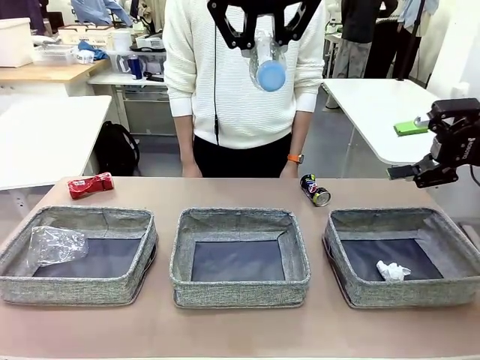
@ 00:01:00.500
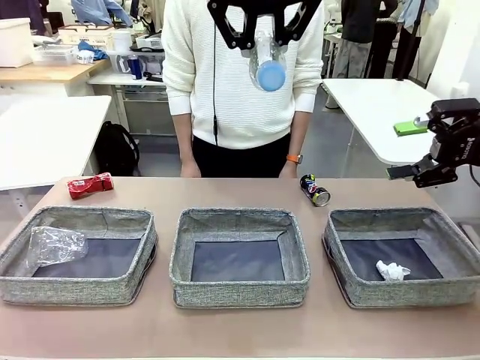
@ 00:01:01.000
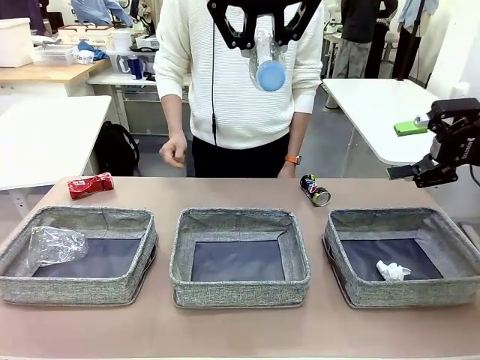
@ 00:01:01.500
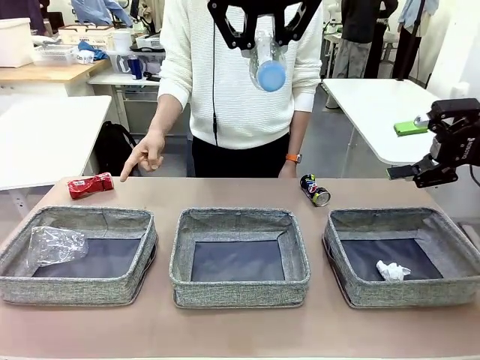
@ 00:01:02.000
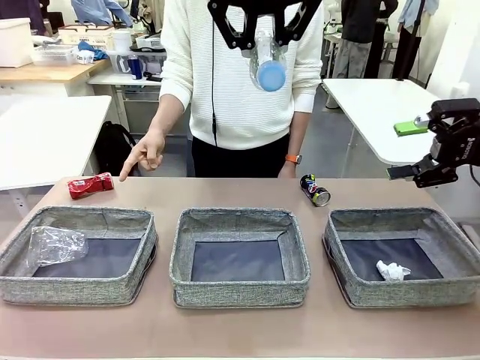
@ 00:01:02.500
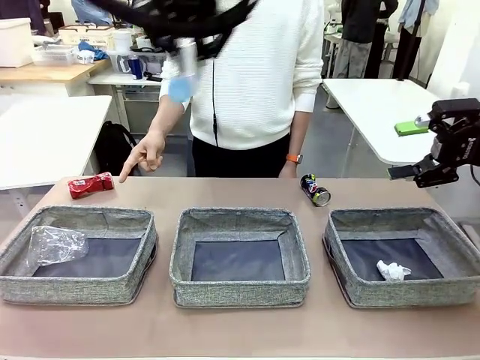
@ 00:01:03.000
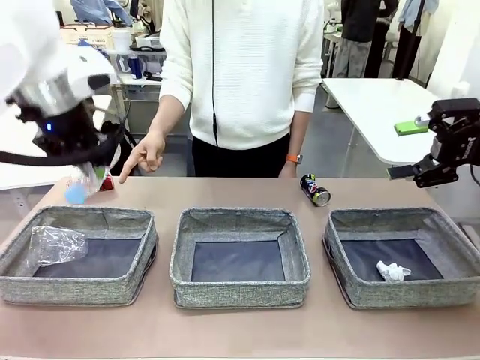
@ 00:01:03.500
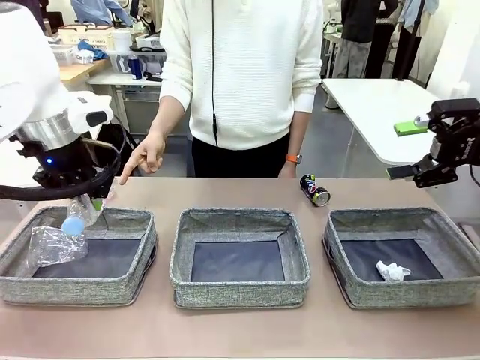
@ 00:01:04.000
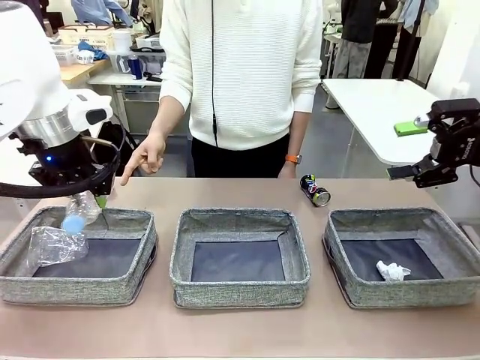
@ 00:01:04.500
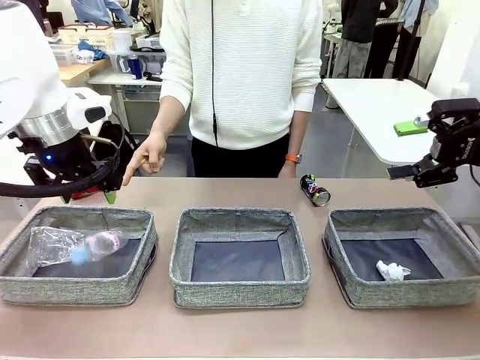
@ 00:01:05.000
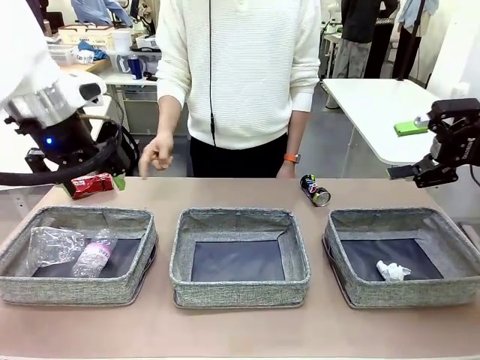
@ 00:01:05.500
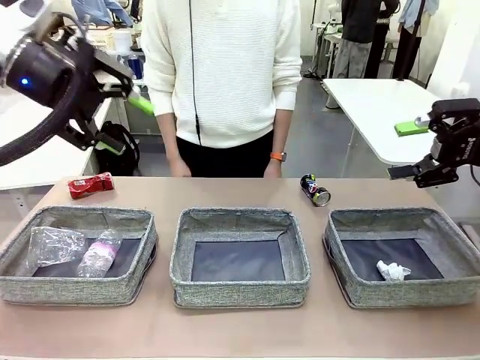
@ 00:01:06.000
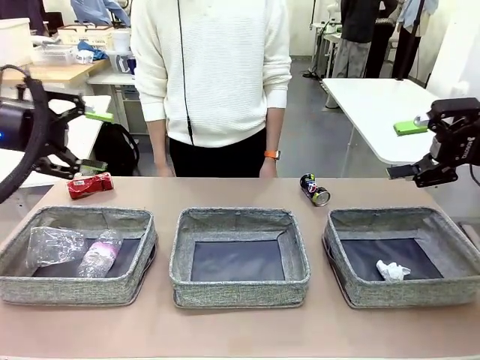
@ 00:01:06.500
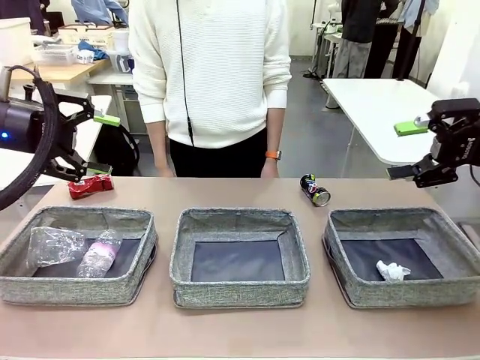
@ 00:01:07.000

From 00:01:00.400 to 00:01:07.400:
Task: Sort the waste into the appropriate baskets.
Robot: Place the picked waste into the Fabric basket indicated by the person.
Person: Instructs the robot to place the picked-up trash into the appropriate organizing basket.

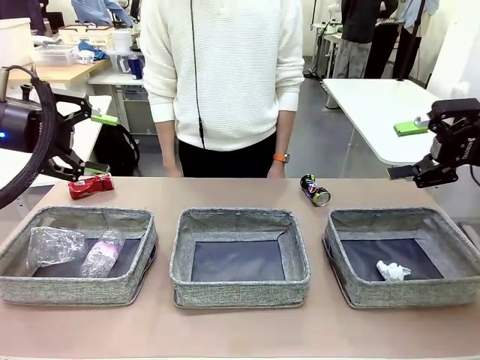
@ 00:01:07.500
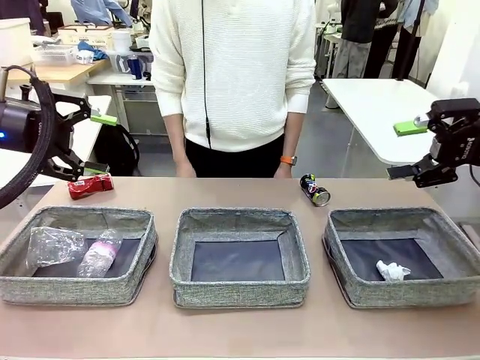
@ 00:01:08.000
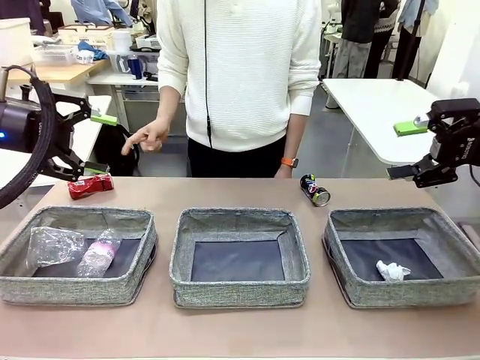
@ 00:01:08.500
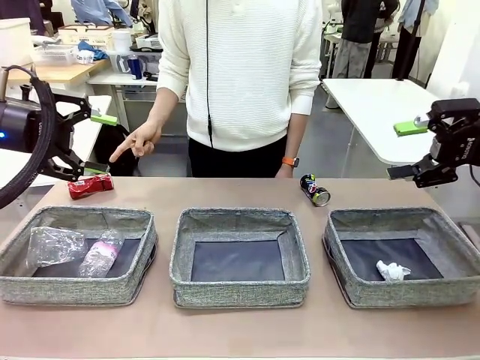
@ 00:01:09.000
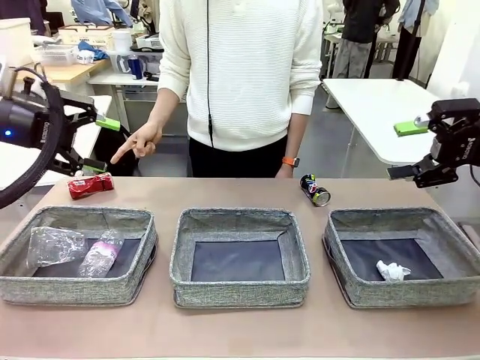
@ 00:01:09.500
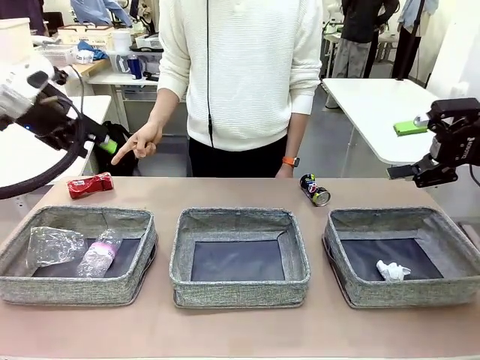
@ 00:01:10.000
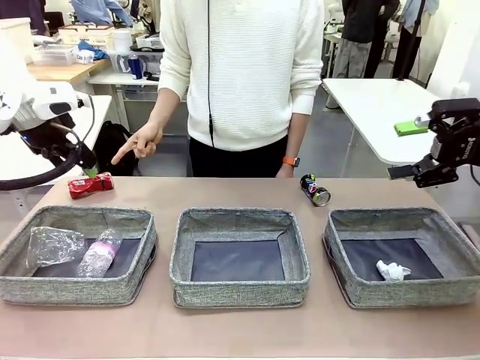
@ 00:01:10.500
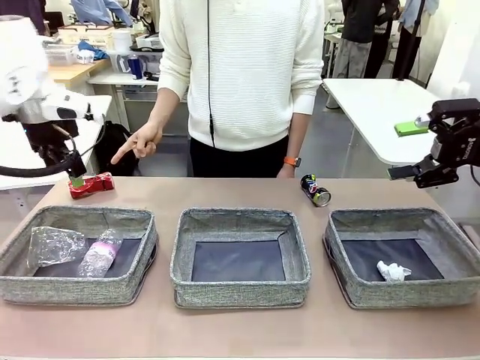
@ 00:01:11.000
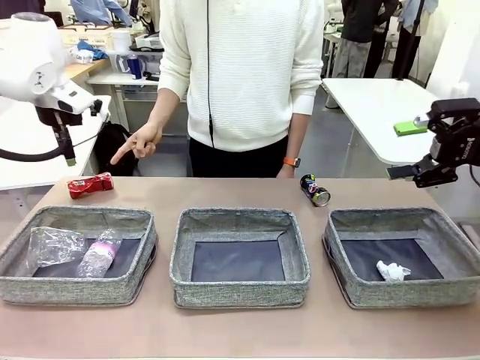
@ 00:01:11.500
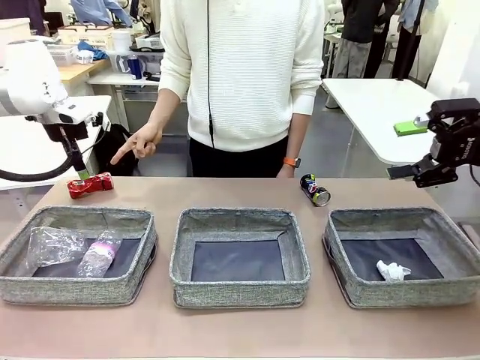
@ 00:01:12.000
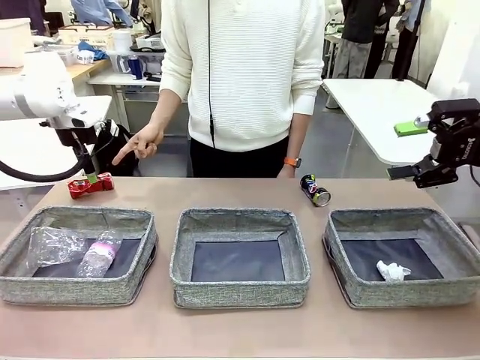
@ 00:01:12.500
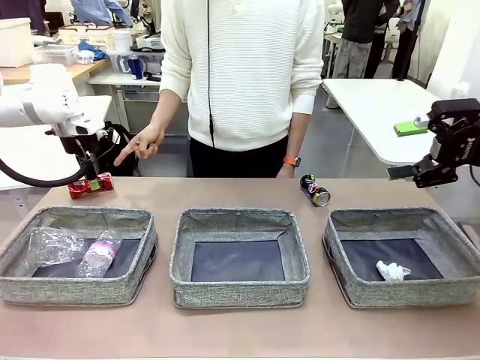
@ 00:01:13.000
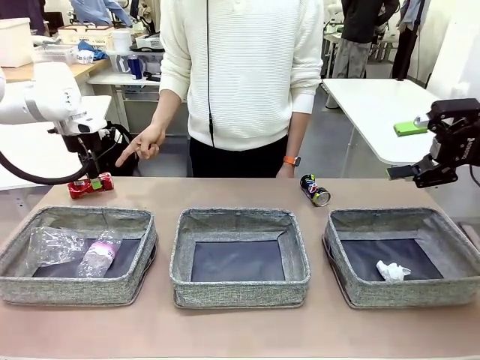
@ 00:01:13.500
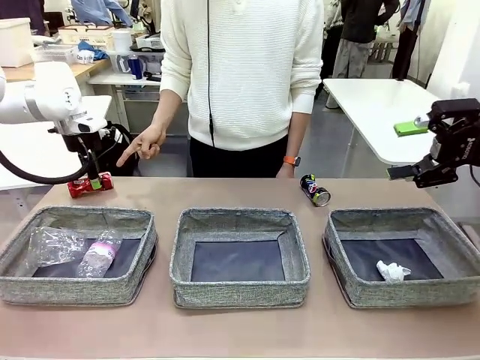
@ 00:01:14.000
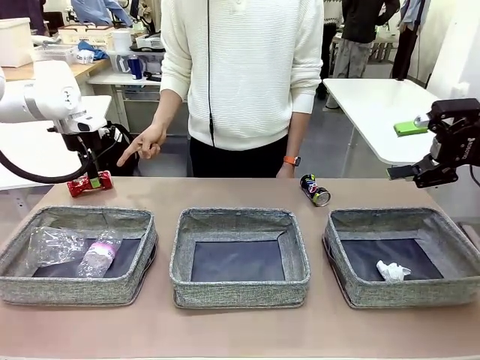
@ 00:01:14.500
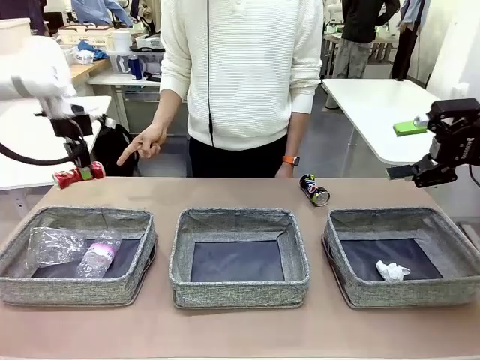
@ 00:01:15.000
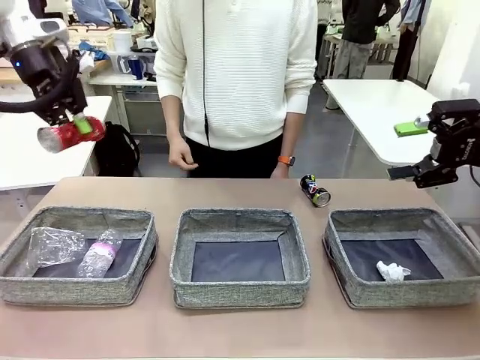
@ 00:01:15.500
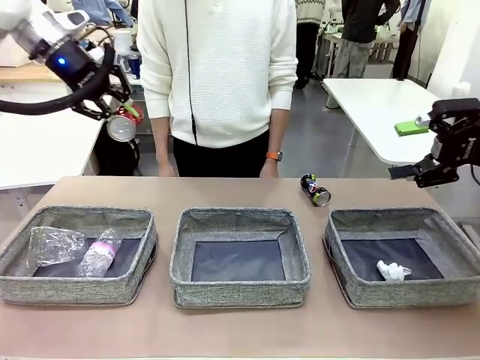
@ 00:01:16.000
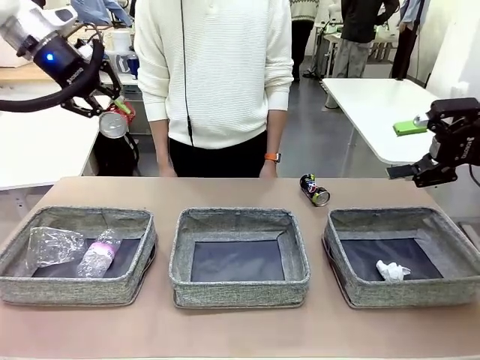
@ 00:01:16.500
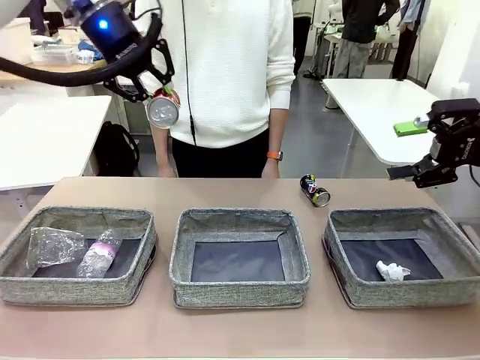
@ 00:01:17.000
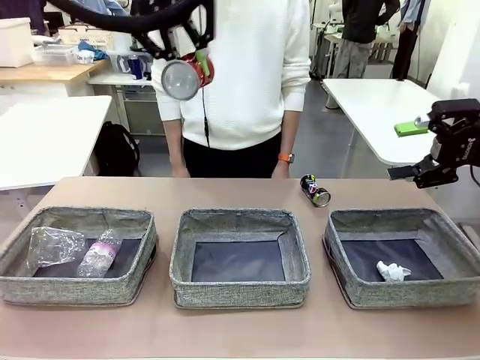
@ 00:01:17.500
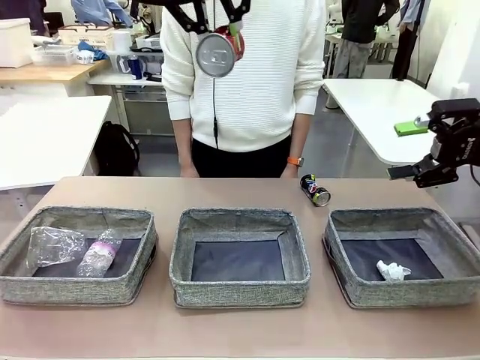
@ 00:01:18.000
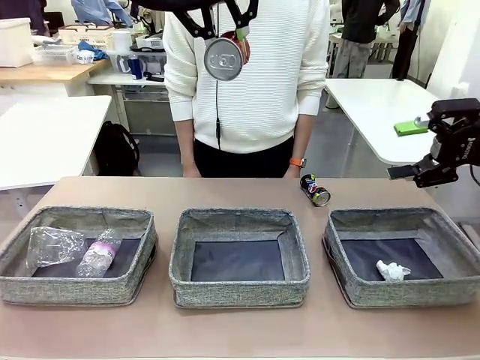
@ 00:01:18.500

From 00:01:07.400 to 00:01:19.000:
Robot: Pick up the waste item pointed out by the person.
Person: Points to one piece of trash on the table.

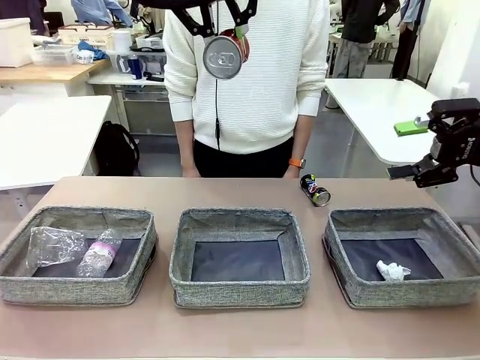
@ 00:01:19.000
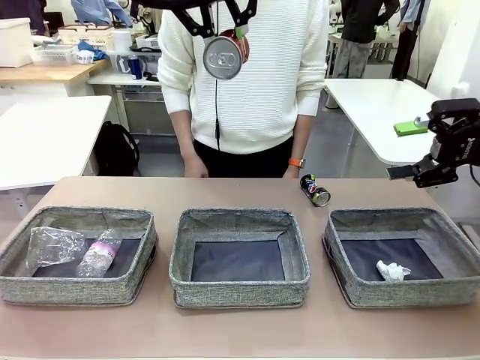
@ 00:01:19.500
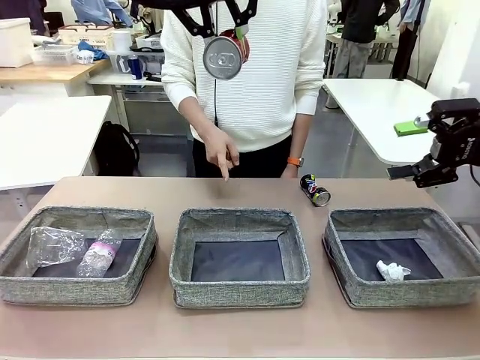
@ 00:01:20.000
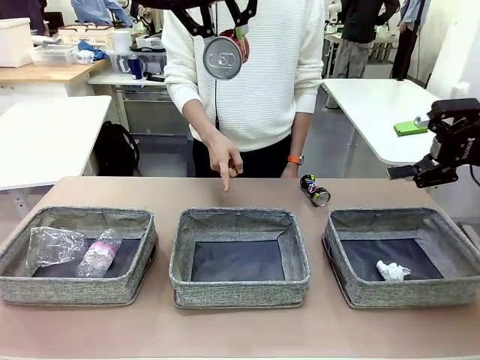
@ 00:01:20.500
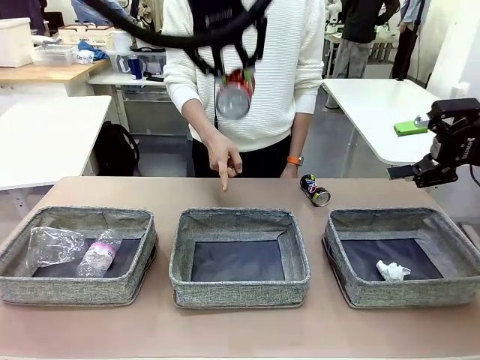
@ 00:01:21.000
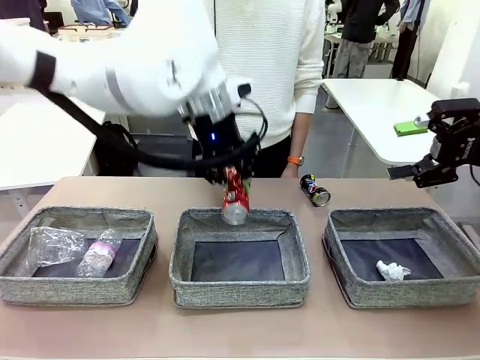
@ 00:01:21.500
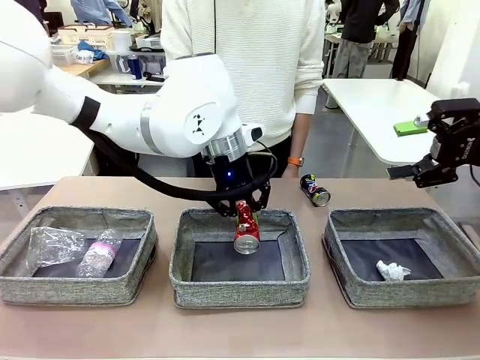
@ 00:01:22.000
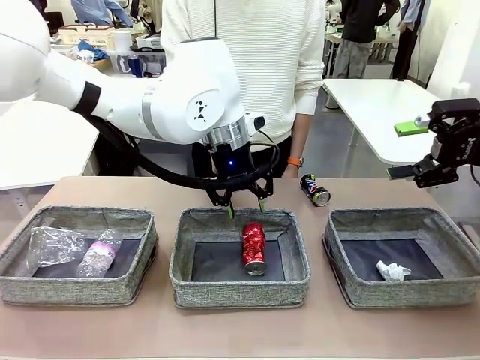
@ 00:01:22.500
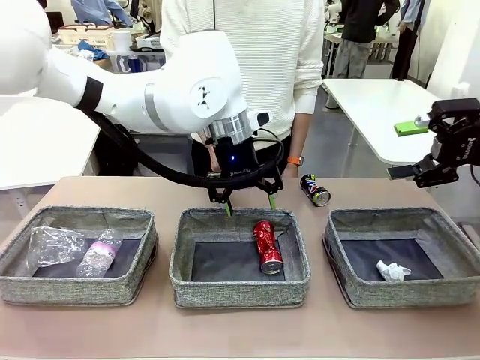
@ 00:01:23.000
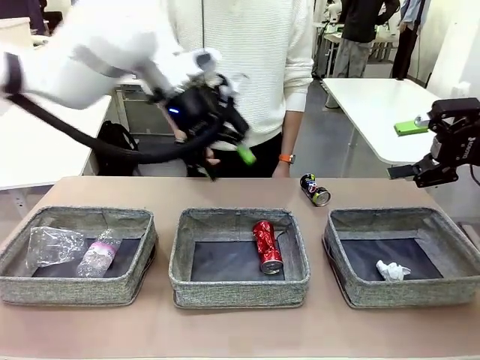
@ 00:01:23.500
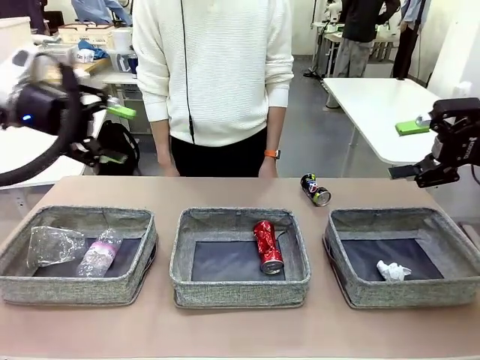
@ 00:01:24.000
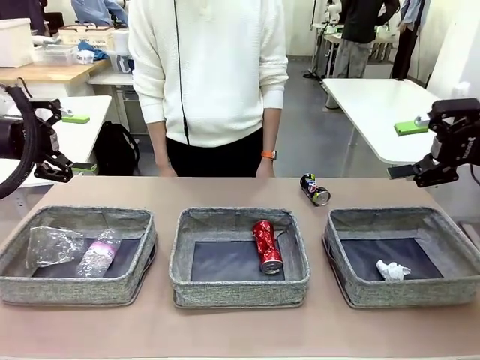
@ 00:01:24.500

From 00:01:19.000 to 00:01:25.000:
Robot: Place the picked waste into the Fabric basket indicated by the person.
Person: Instructs the robot to place the picked-up trash into the appropriate organizing basket.
